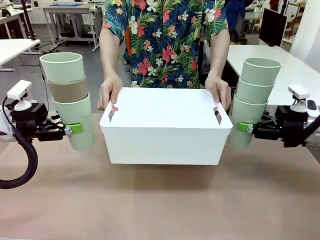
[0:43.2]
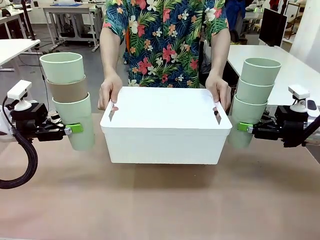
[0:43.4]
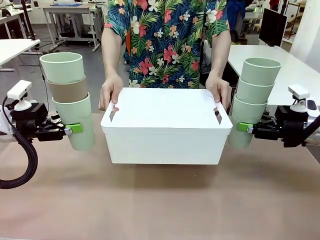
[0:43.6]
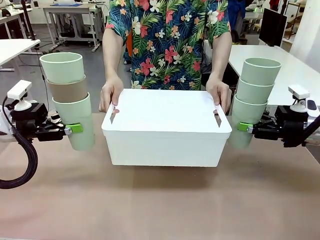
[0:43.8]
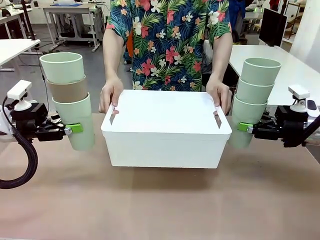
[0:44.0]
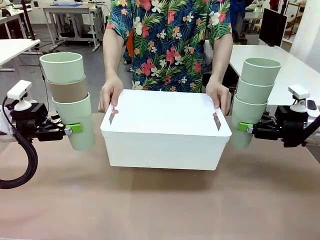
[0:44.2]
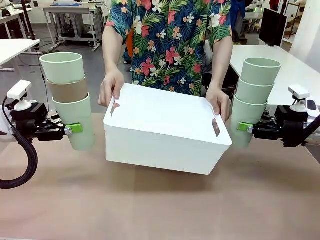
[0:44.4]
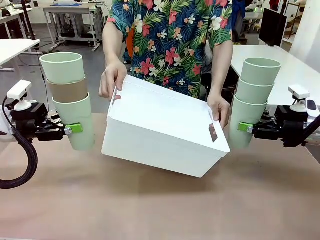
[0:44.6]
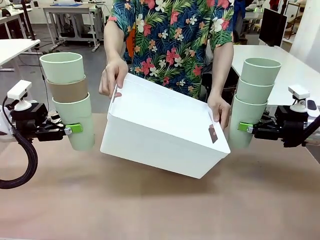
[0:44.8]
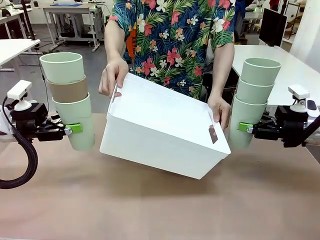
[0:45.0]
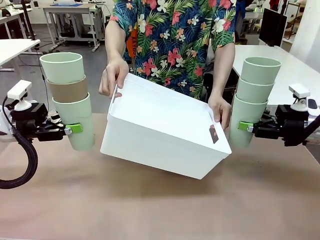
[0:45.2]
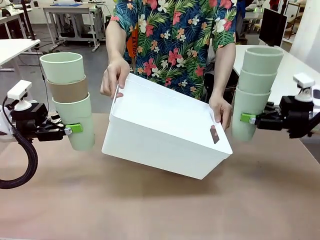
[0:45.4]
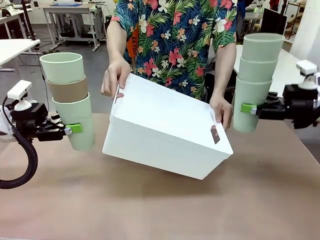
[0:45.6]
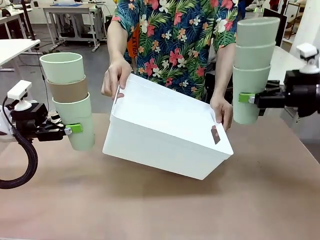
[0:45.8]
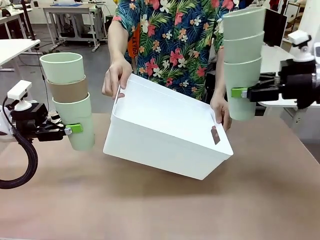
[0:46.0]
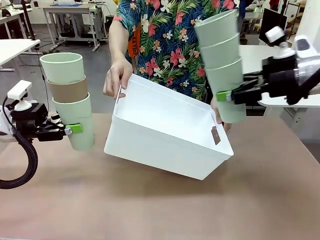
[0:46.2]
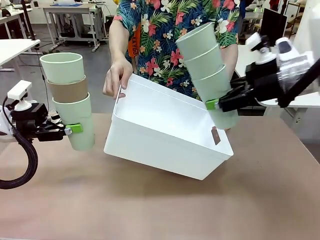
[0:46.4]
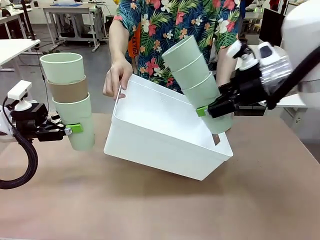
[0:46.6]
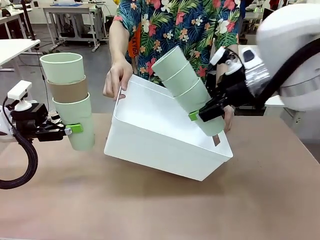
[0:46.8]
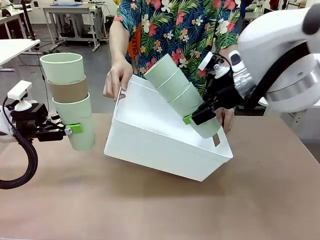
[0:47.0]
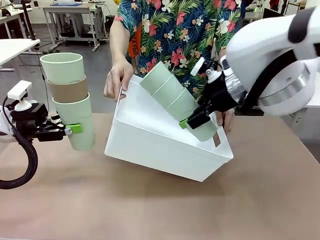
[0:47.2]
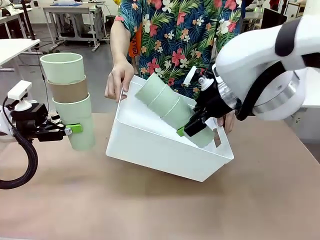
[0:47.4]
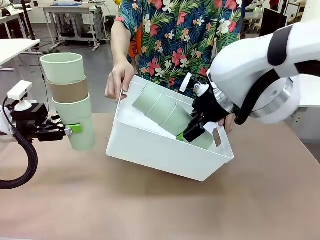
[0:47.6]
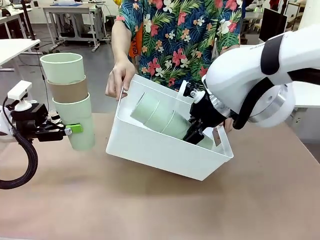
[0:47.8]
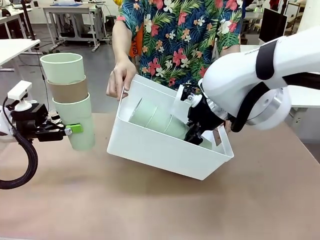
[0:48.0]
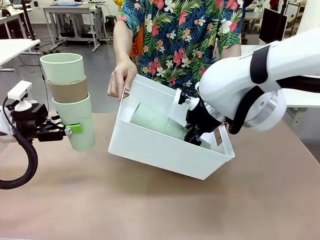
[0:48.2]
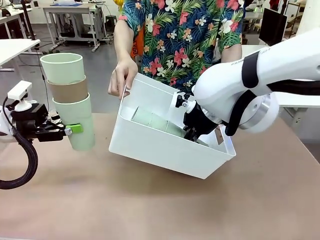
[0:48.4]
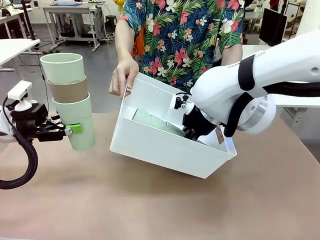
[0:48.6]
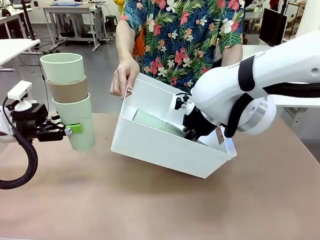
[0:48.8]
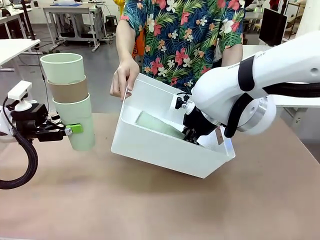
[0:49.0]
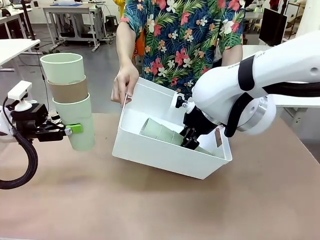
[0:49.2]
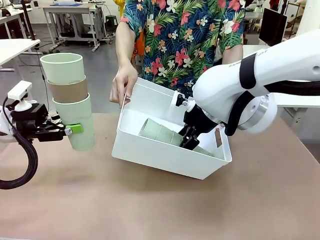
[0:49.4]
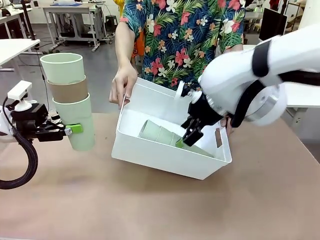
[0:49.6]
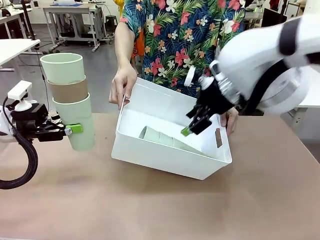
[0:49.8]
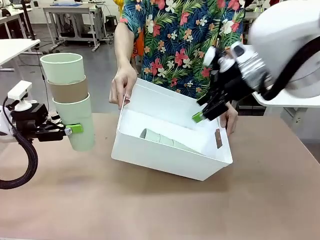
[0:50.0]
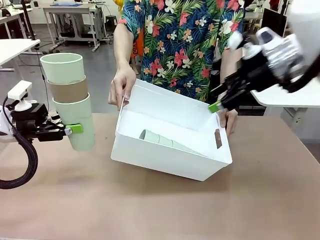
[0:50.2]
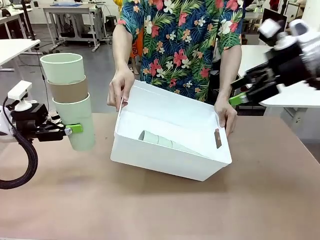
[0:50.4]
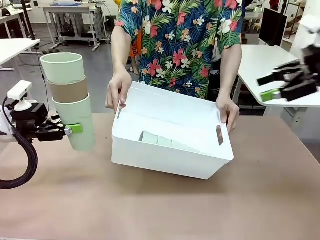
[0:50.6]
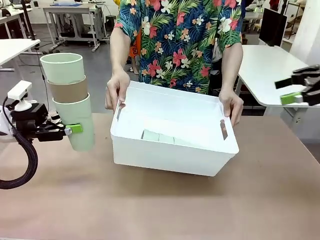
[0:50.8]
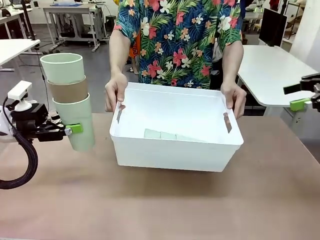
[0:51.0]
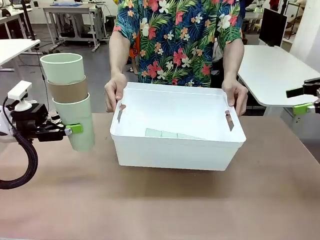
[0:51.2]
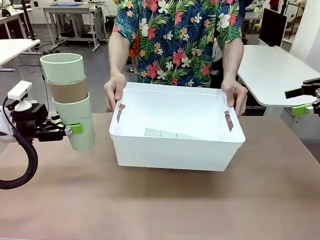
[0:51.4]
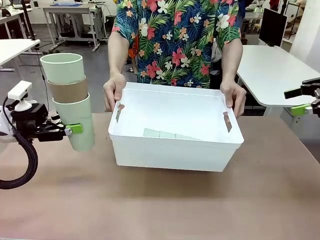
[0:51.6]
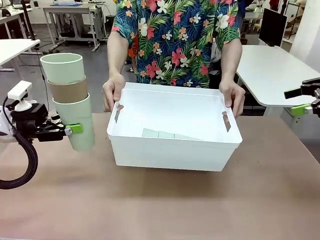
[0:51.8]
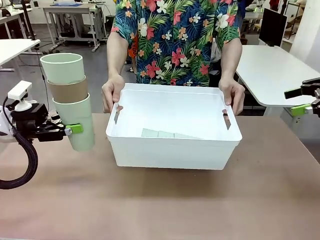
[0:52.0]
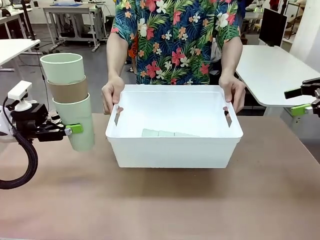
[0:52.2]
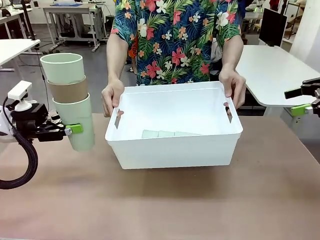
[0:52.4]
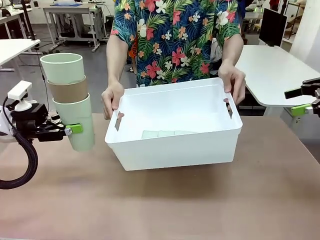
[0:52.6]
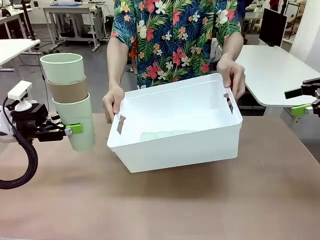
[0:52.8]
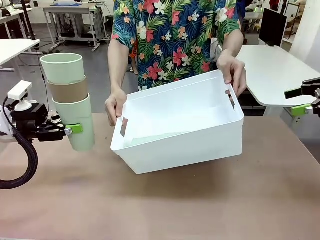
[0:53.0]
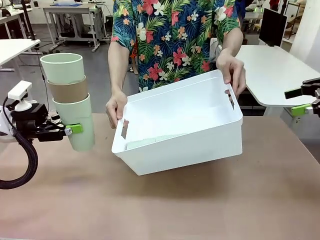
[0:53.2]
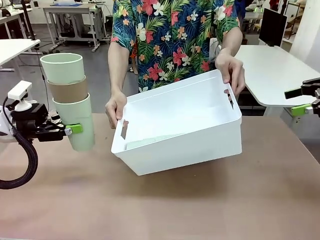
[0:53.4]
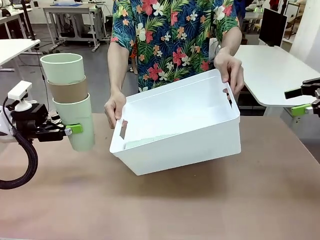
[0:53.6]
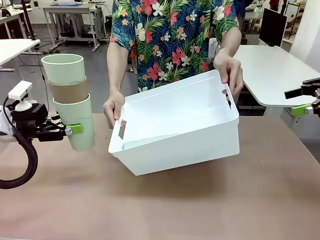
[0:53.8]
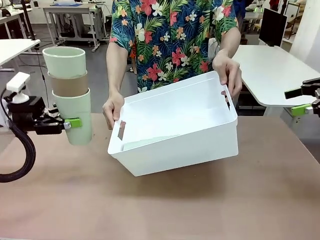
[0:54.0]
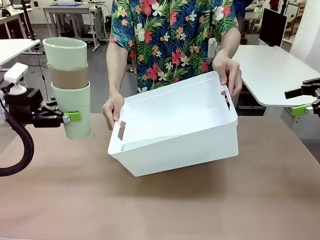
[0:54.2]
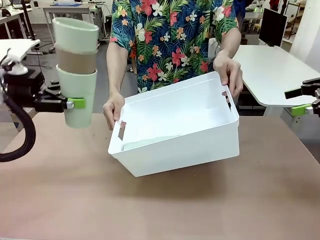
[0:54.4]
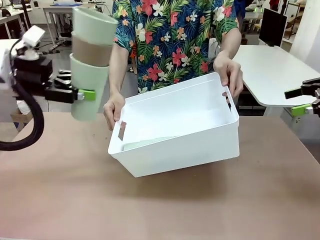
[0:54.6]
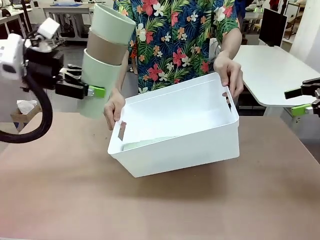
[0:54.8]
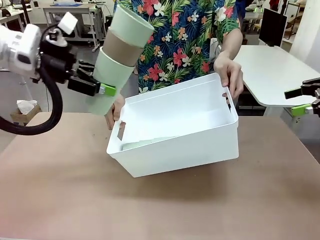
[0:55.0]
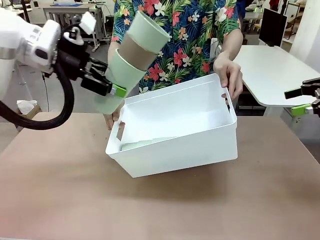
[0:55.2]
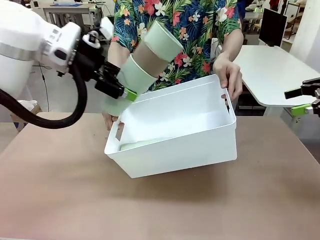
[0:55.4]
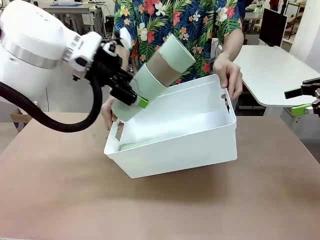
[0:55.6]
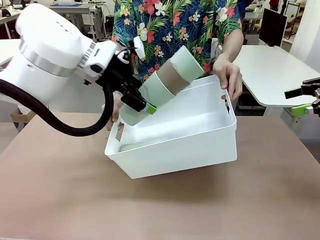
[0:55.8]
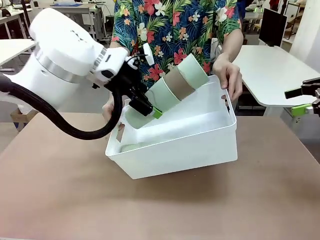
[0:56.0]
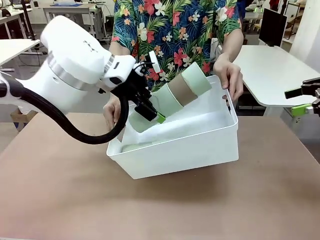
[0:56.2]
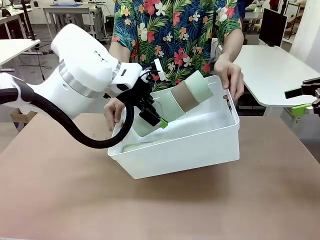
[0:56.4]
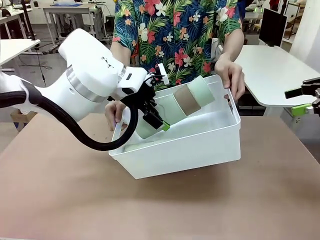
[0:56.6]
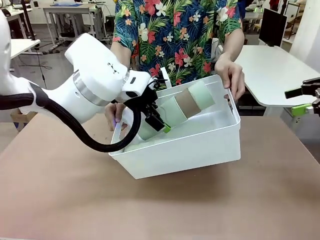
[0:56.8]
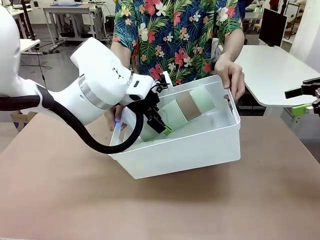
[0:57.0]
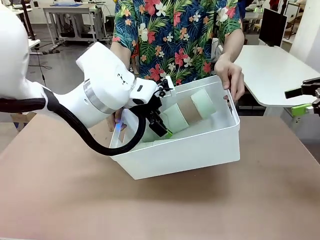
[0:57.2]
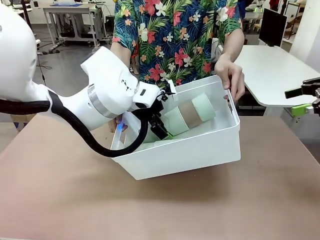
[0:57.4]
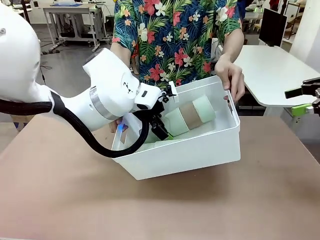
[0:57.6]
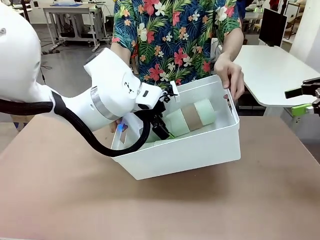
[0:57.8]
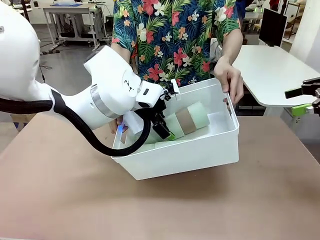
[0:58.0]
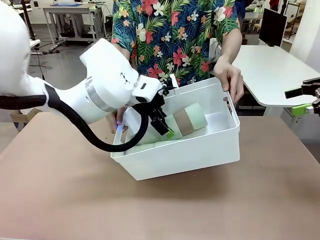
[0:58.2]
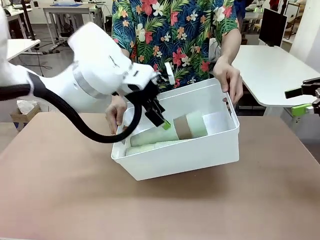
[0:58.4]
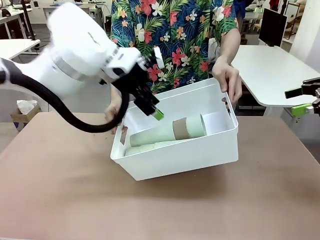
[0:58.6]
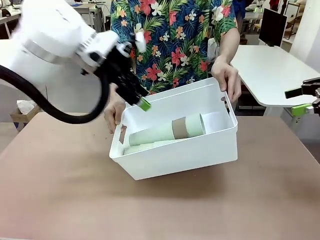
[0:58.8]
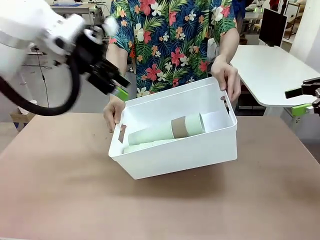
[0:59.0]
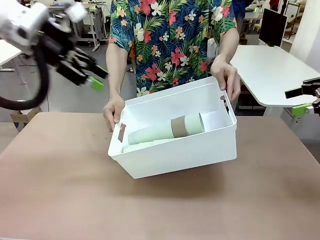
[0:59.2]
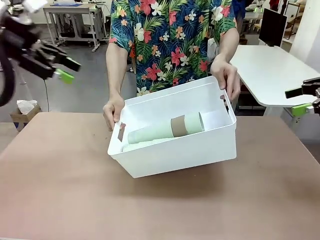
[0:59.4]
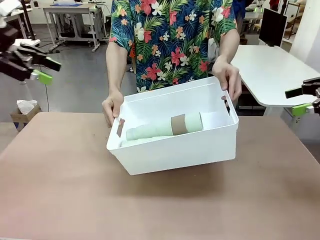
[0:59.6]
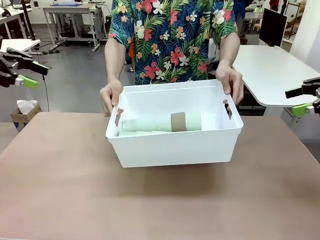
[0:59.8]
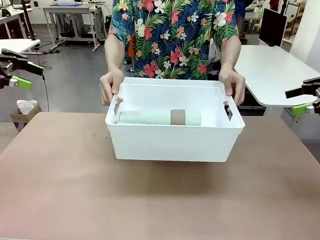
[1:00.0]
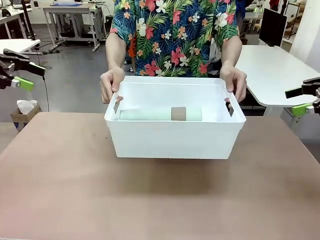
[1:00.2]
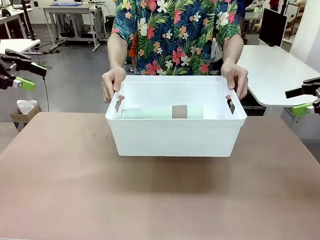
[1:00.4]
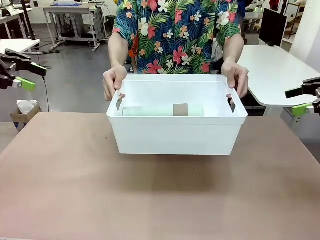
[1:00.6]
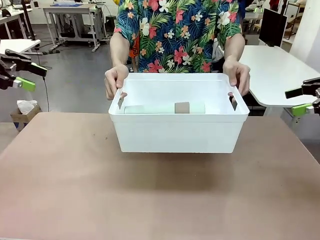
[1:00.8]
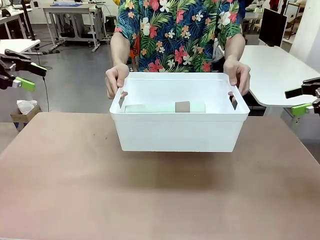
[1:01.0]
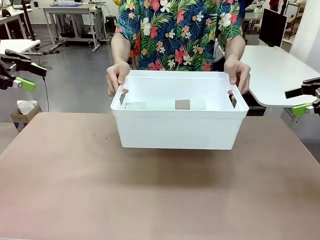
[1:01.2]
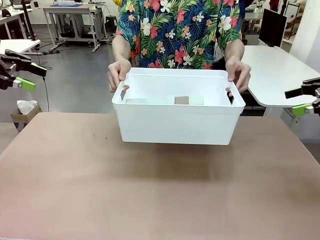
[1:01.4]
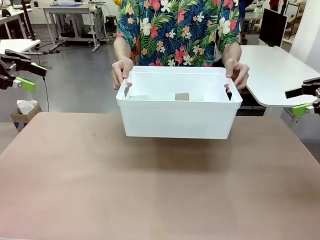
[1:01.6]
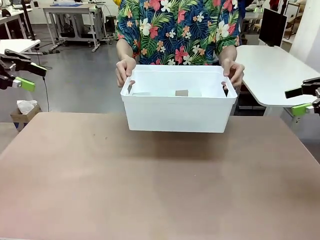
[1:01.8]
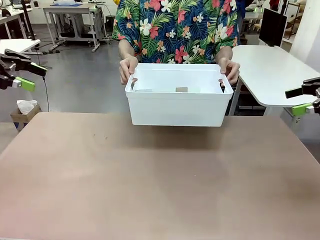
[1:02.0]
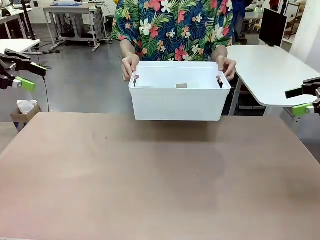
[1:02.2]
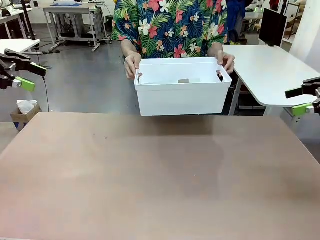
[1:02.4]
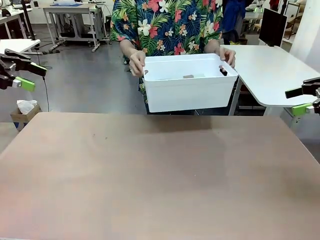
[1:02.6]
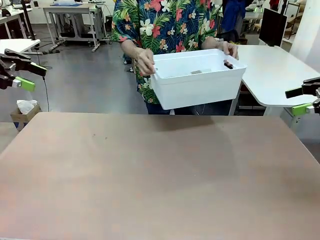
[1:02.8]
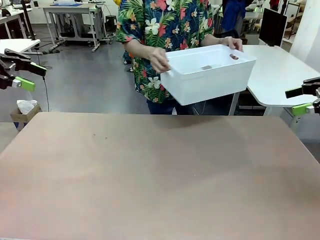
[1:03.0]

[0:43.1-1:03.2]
Task: Stack the cups and store them in the basket.
Robot: Place the stack of Reusable plastic cups into the Pantry Basket.
